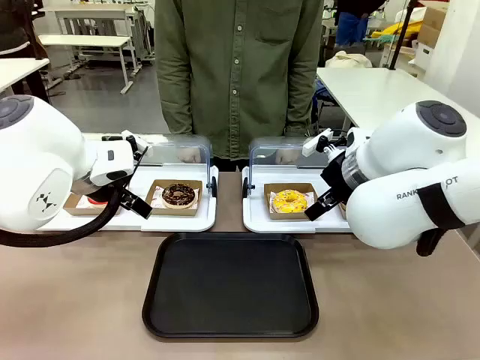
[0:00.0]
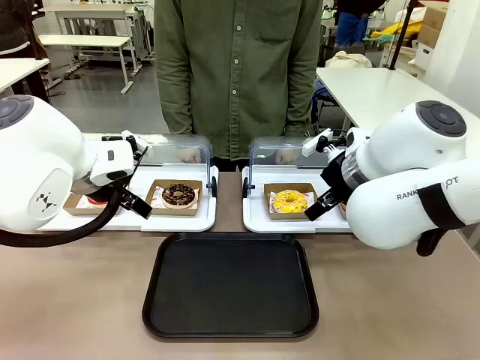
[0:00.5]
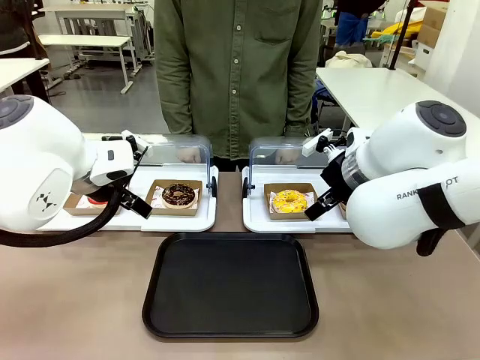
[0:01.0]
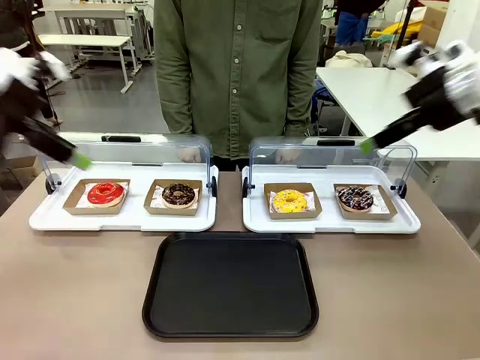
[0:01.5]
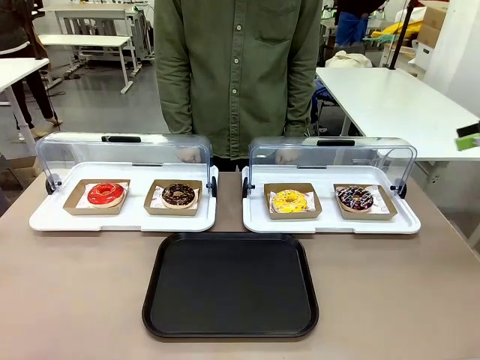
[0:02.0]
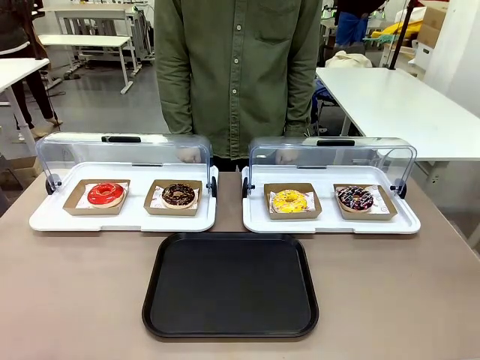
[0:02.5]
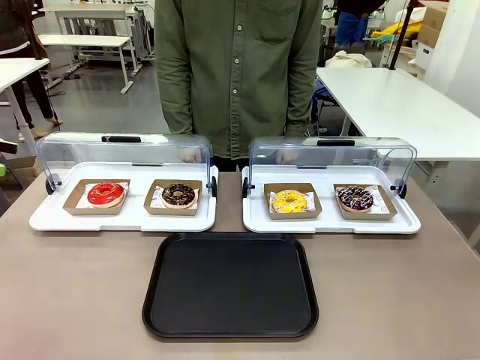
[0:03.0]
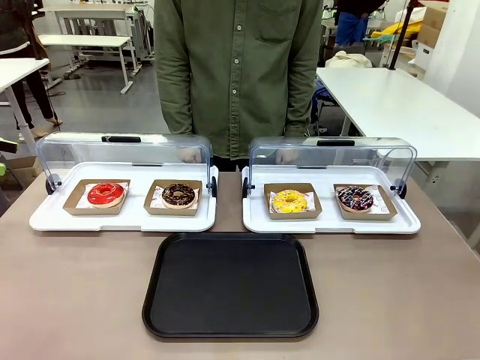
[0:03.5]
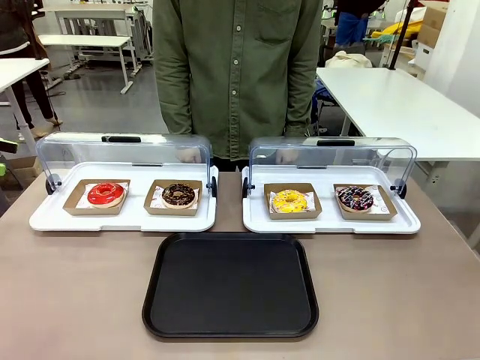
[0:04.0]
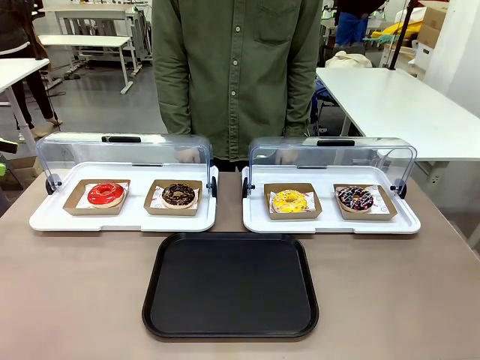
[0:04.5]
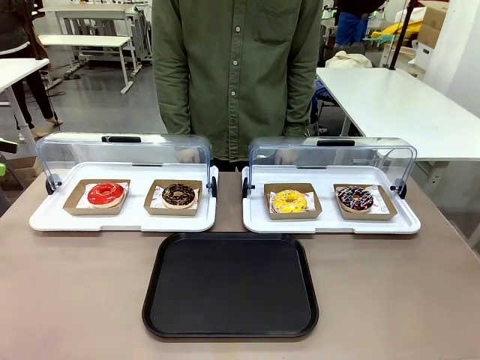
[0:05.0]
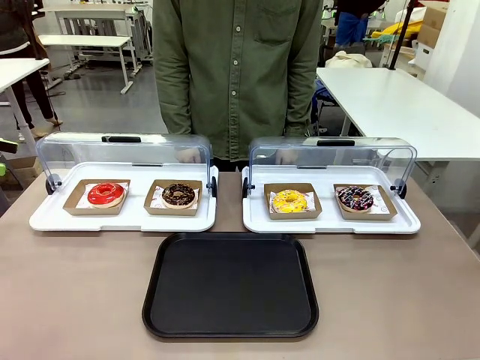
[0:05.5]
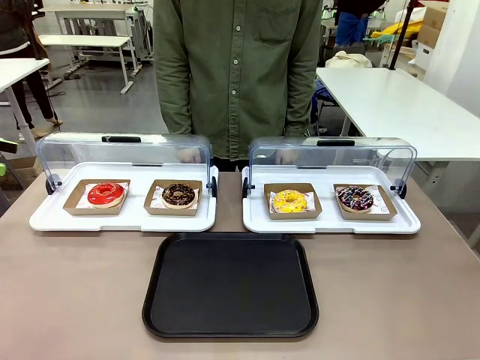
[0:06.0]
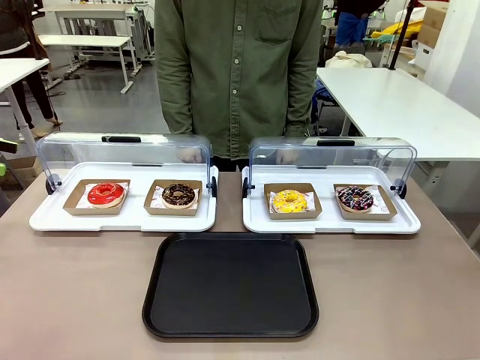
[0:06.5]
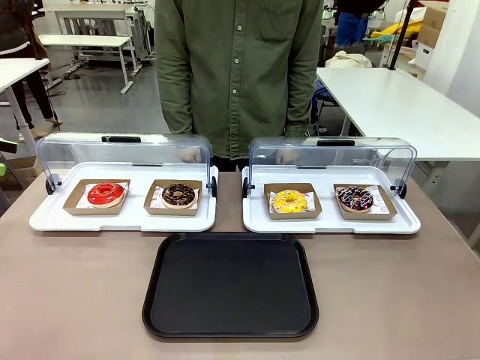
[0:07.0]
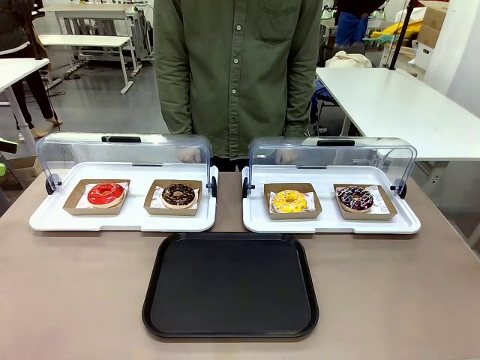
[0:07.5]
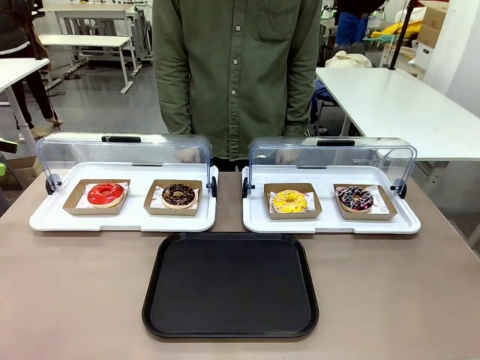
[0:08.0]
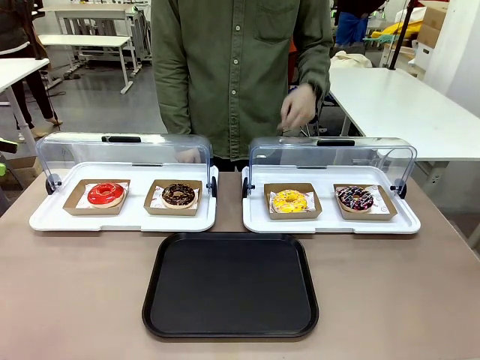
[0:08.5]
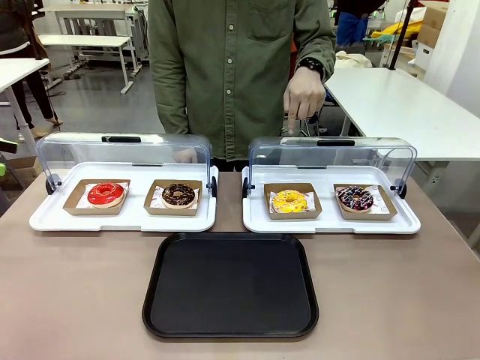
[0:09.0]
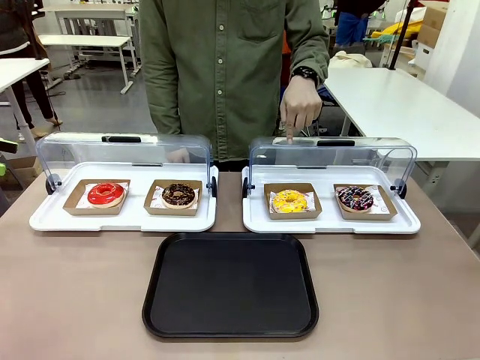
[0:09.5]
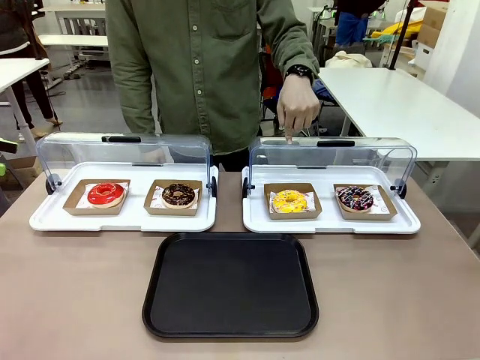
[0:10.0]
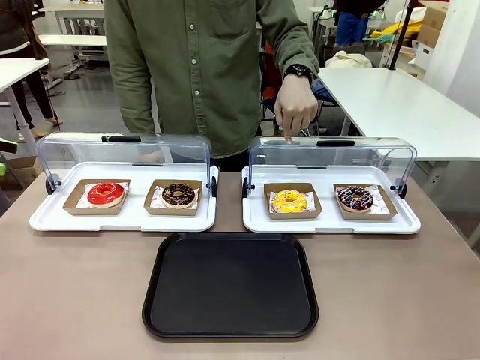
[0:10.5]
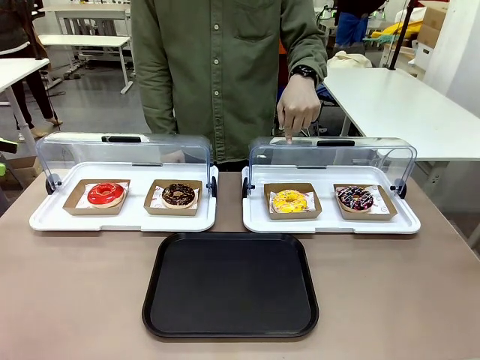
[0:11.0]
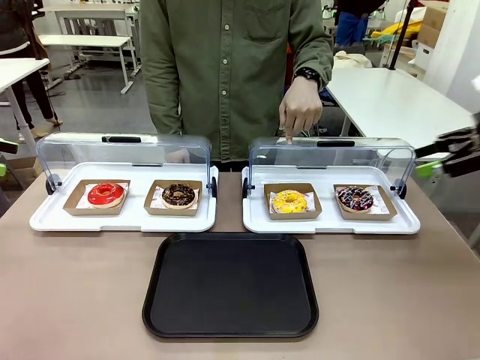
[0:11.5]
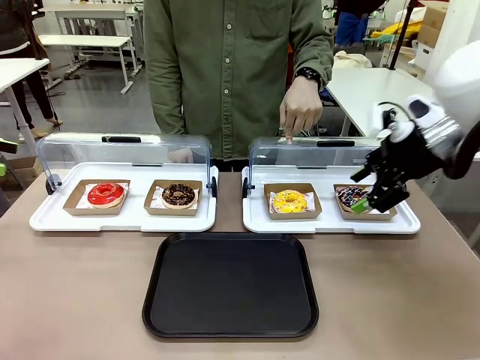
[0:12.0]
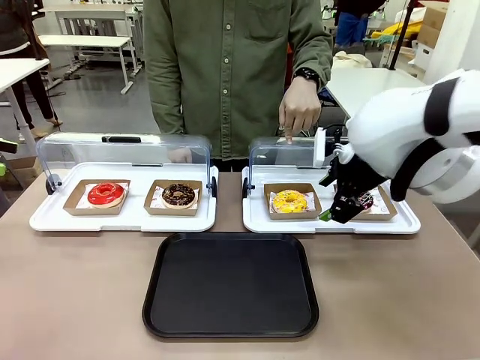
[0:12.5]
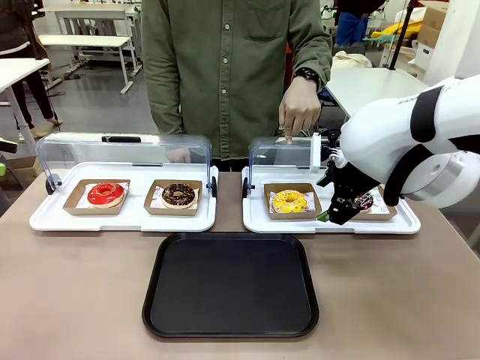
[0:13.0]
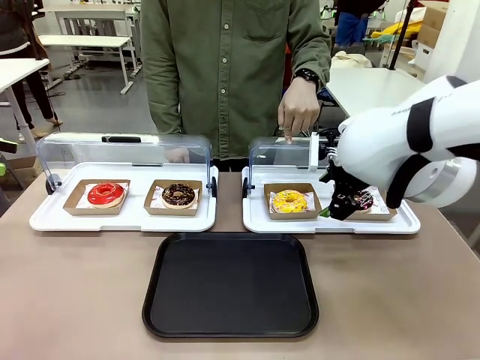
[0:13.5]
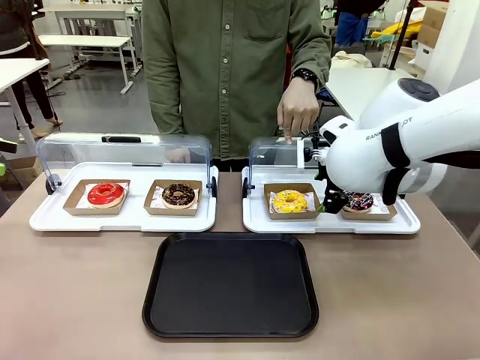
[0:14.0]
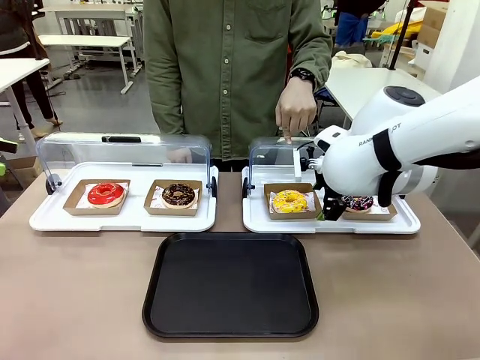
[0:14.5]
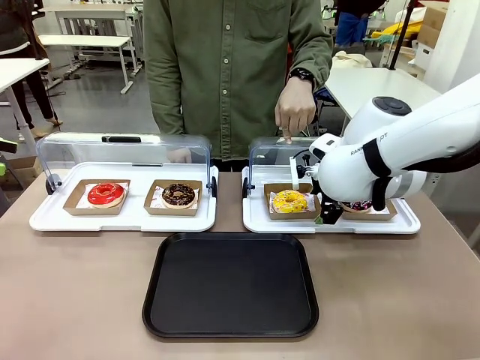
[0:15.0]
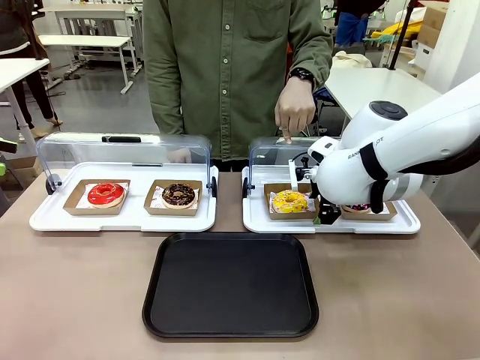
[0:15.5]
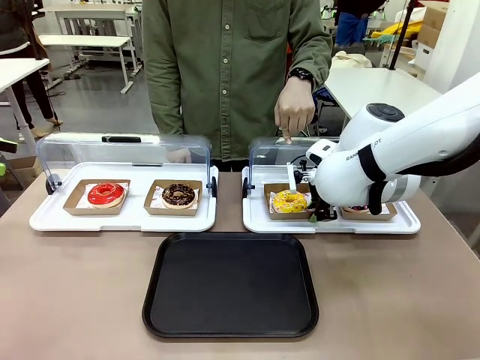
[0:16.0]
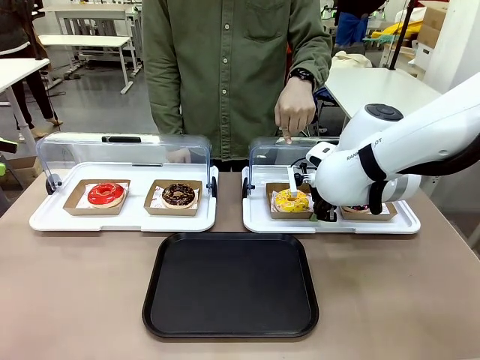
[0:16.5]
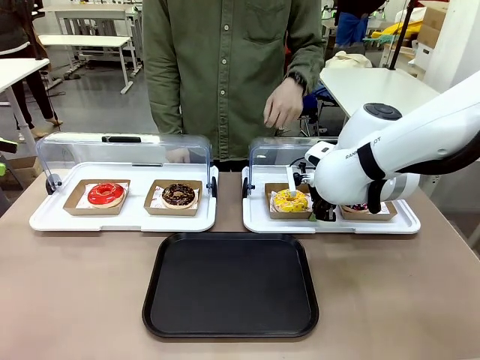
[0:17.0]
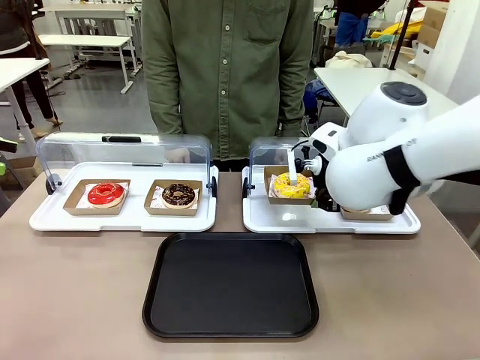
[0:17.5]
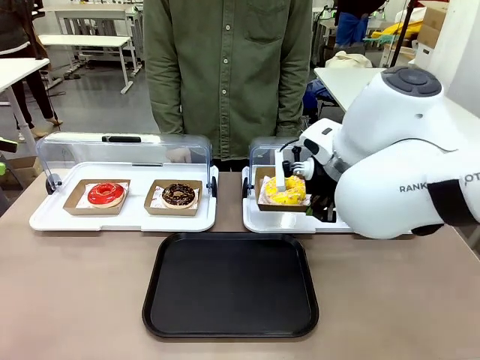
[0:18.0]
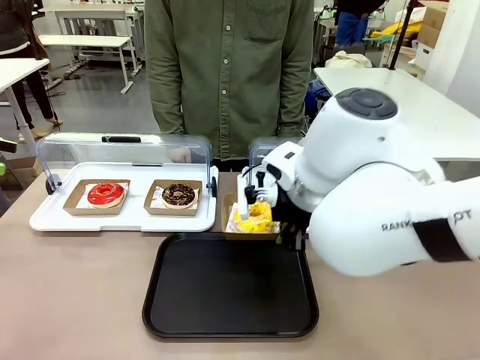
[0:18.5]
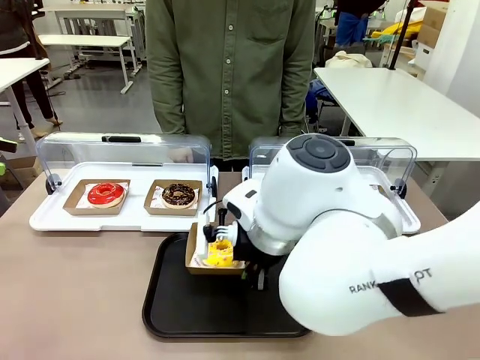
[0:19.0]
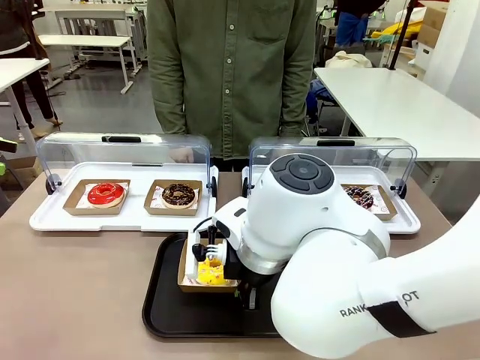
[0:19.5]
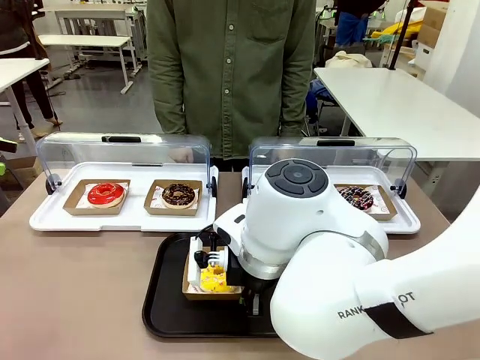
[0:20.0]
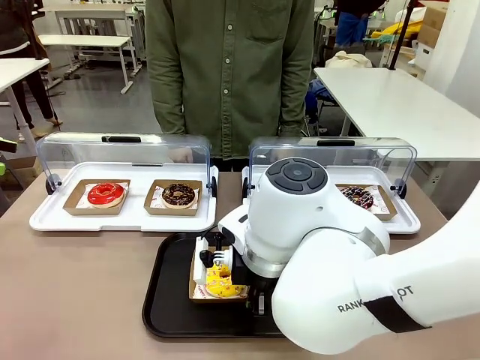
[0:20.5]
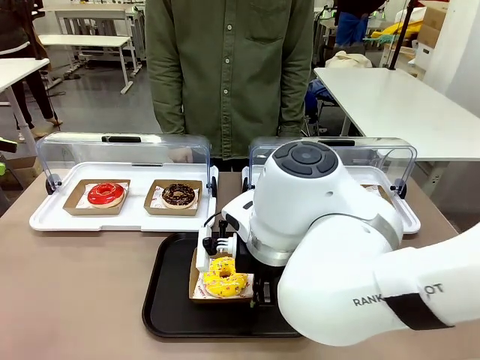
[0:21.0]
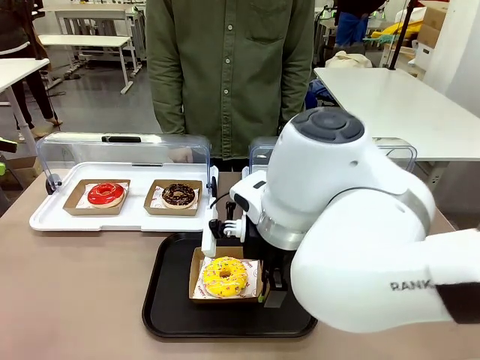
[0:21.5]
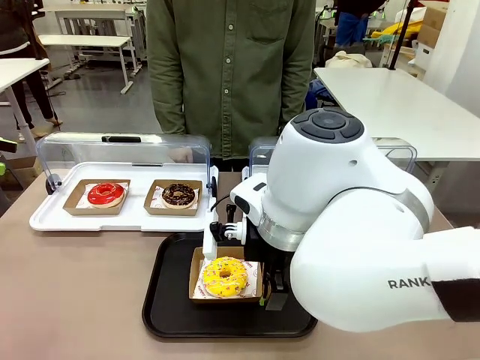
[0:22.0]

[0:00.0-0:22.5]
Task: Move the third donut from the left to the tray.
Robot: Pick up the Paper togo box containing the Donut indicated by the person and place it on the Handle tray.
Person: Points to the third donut from the left from the robot’s perspective.
